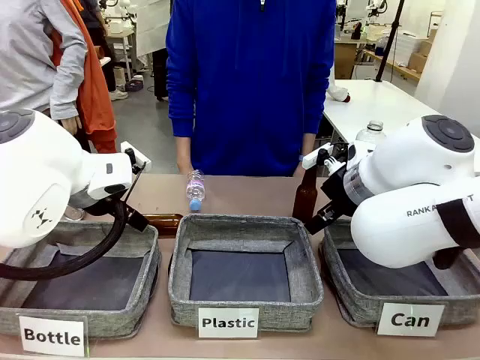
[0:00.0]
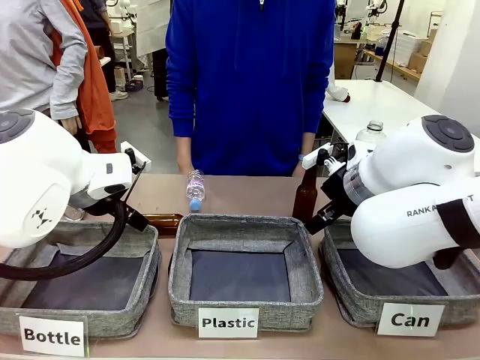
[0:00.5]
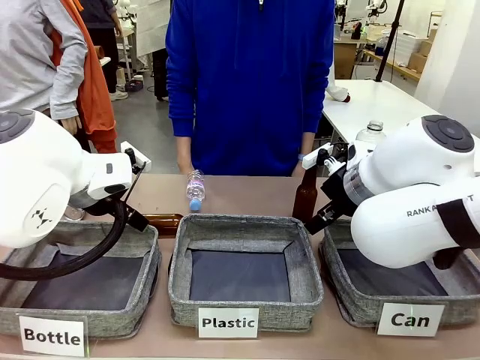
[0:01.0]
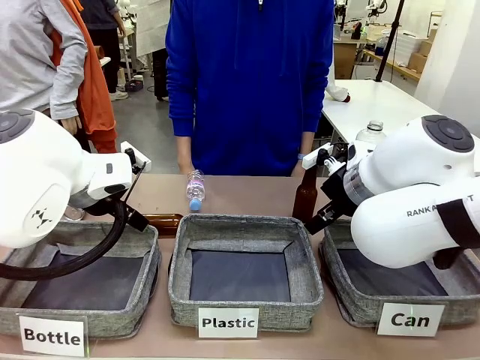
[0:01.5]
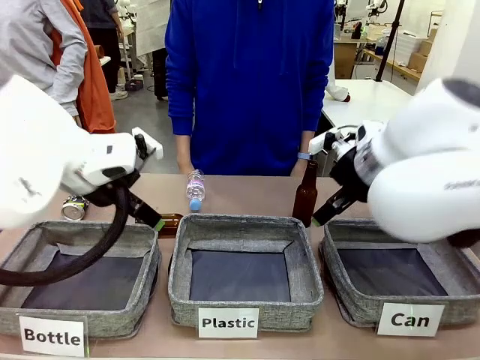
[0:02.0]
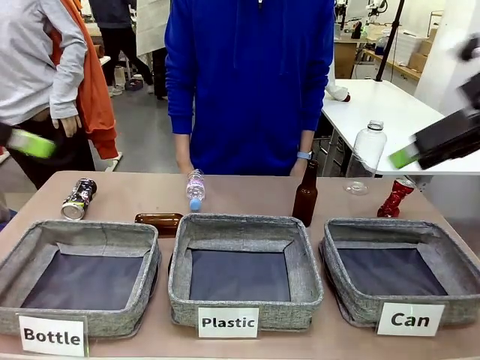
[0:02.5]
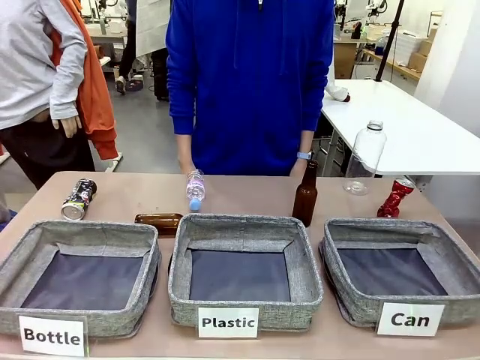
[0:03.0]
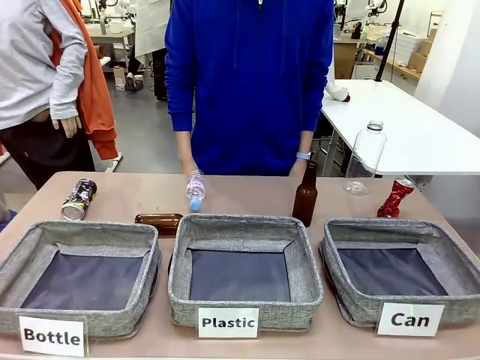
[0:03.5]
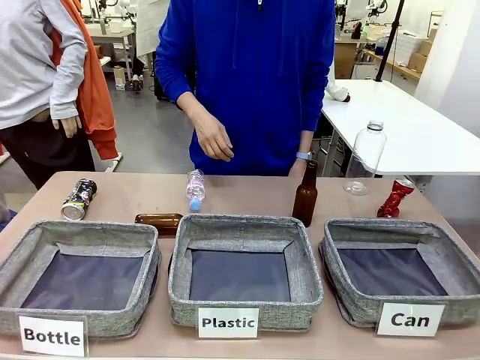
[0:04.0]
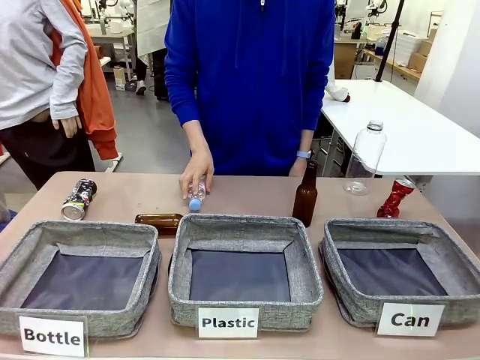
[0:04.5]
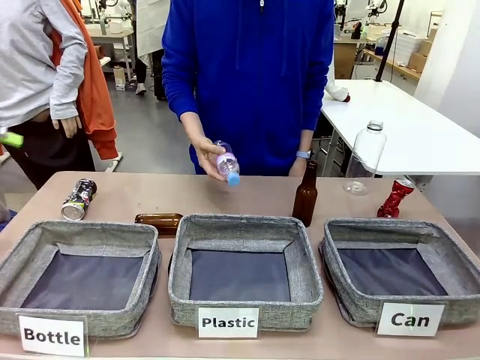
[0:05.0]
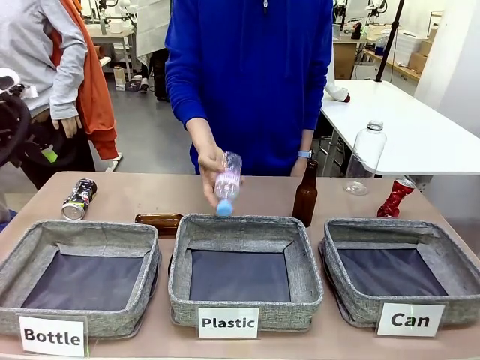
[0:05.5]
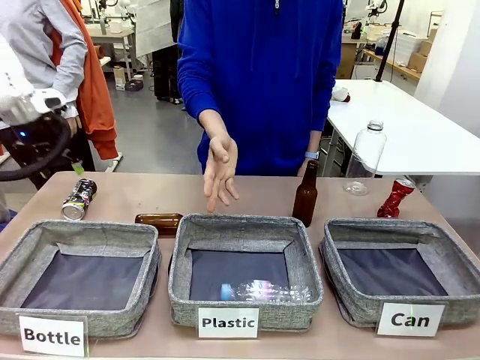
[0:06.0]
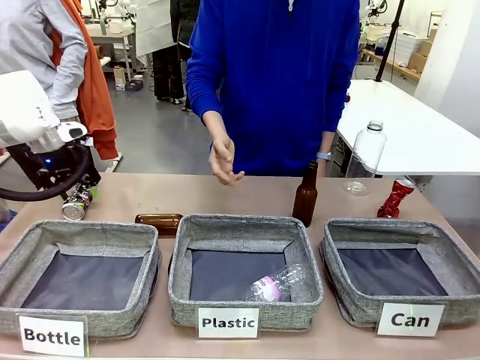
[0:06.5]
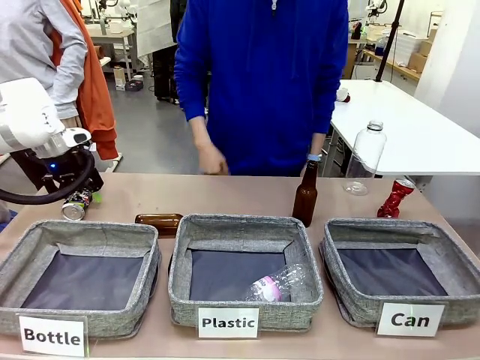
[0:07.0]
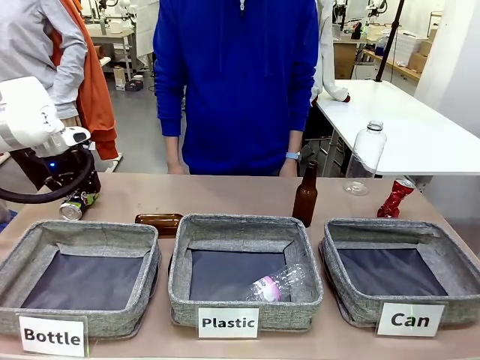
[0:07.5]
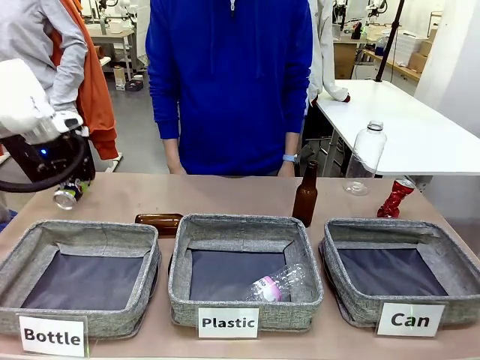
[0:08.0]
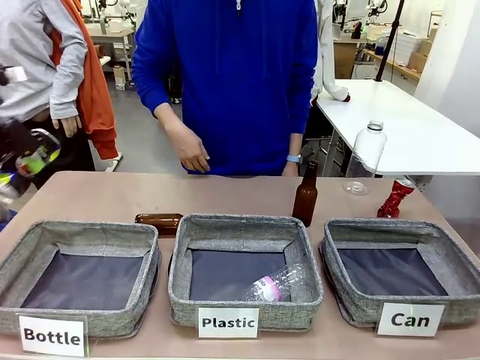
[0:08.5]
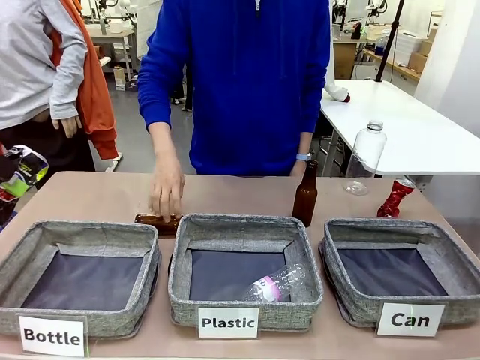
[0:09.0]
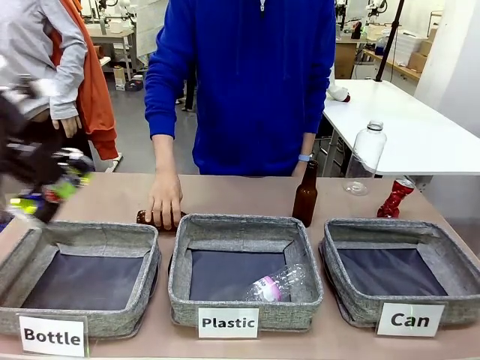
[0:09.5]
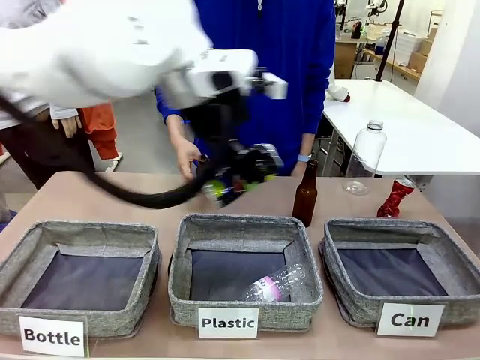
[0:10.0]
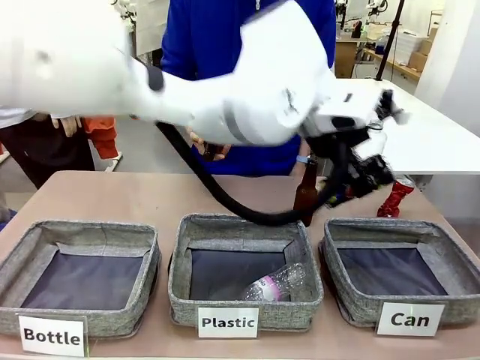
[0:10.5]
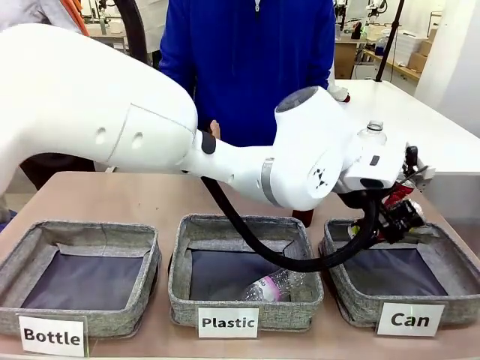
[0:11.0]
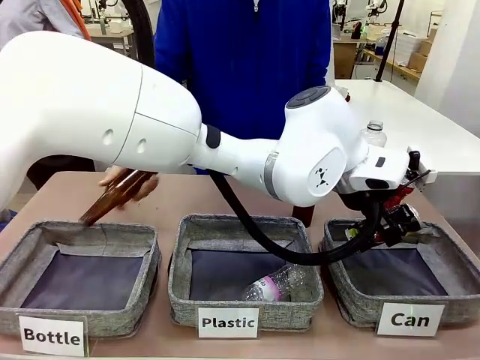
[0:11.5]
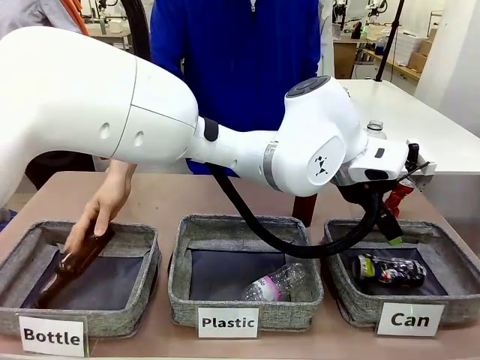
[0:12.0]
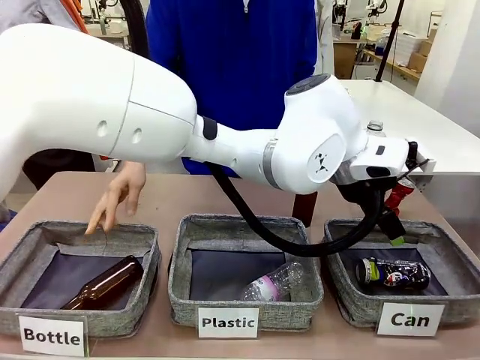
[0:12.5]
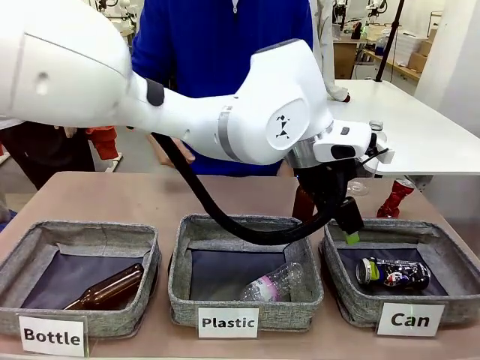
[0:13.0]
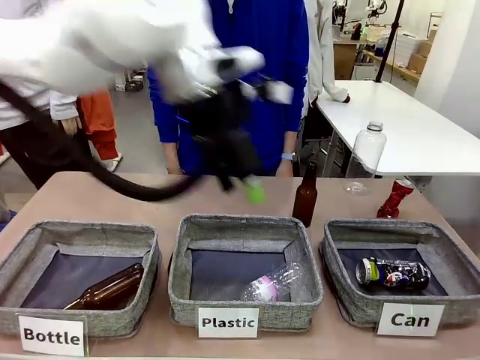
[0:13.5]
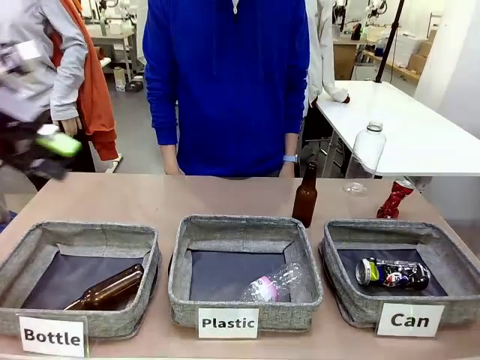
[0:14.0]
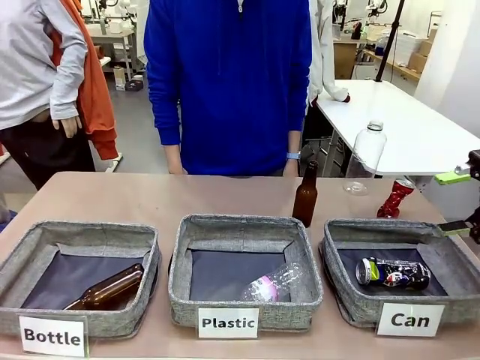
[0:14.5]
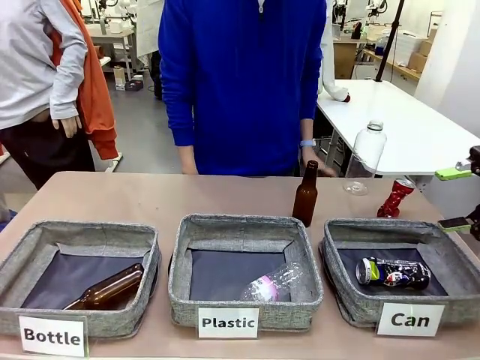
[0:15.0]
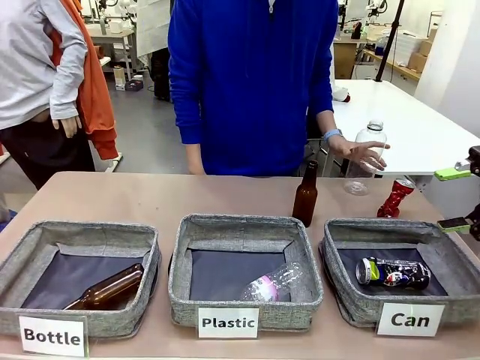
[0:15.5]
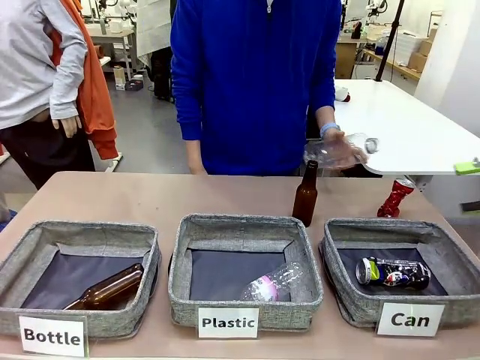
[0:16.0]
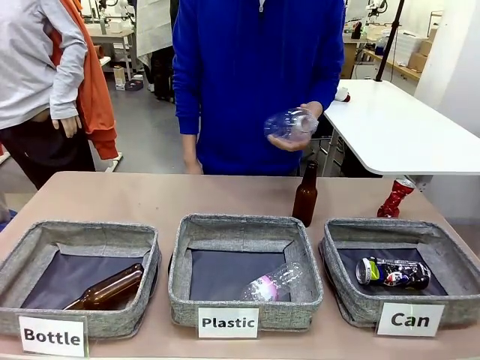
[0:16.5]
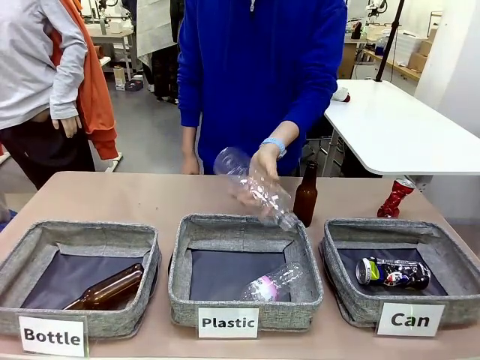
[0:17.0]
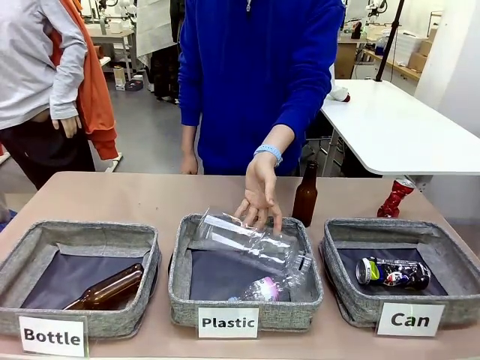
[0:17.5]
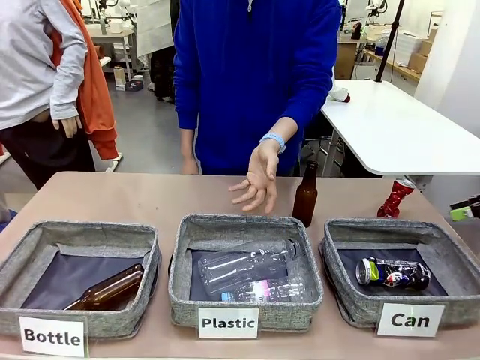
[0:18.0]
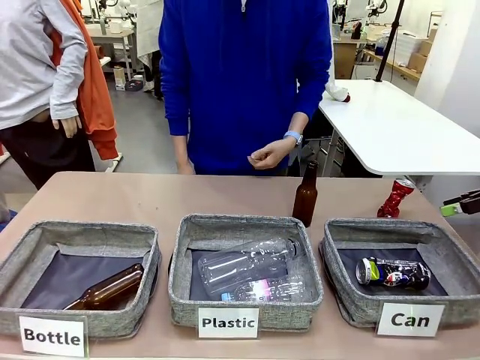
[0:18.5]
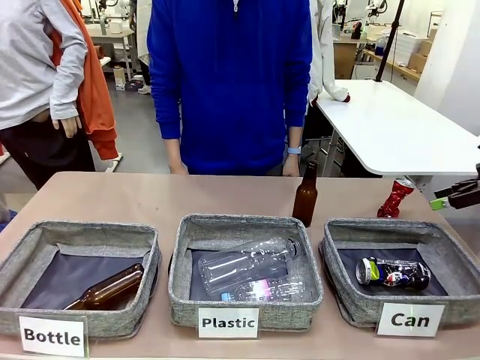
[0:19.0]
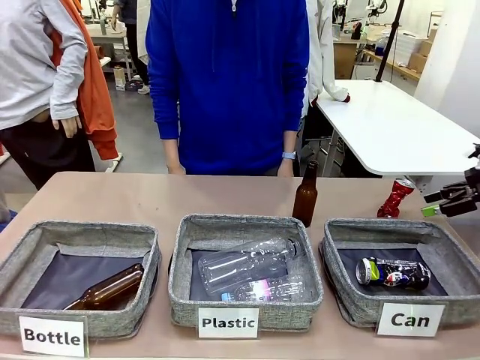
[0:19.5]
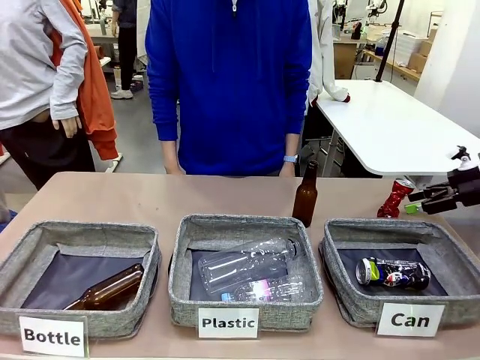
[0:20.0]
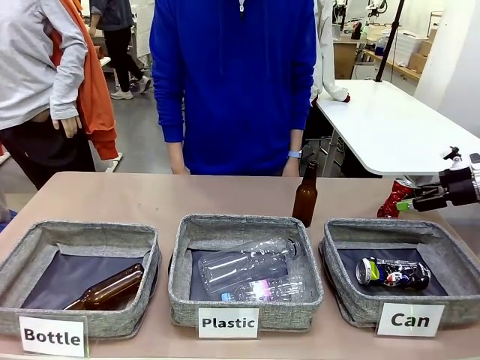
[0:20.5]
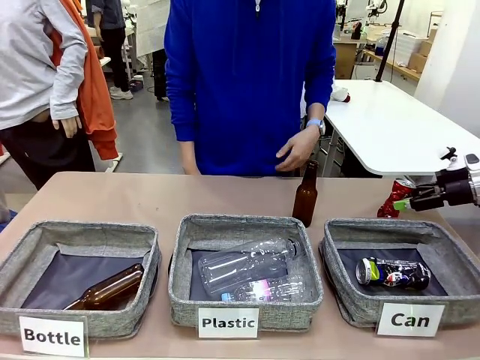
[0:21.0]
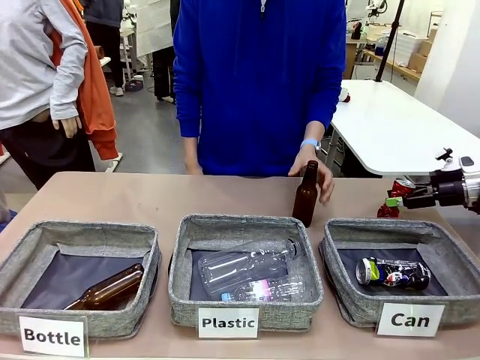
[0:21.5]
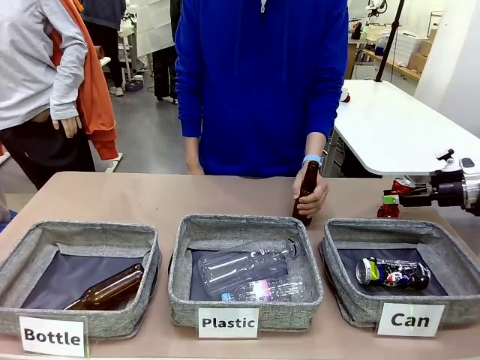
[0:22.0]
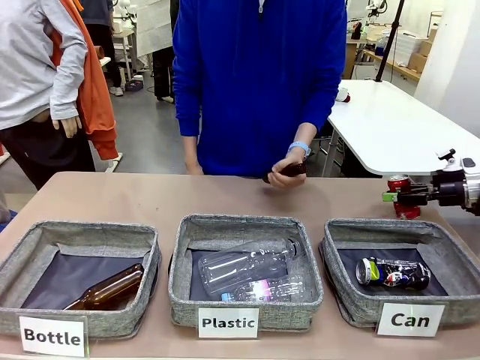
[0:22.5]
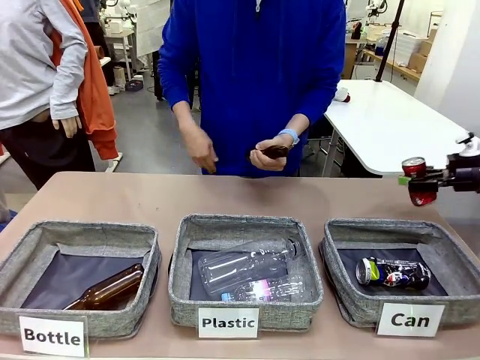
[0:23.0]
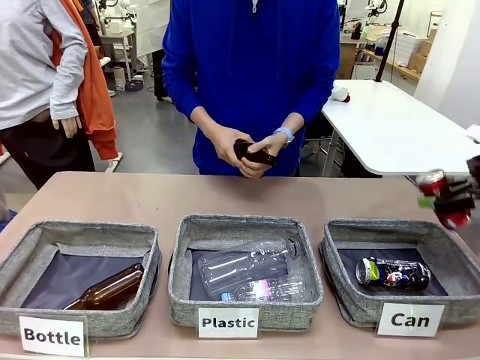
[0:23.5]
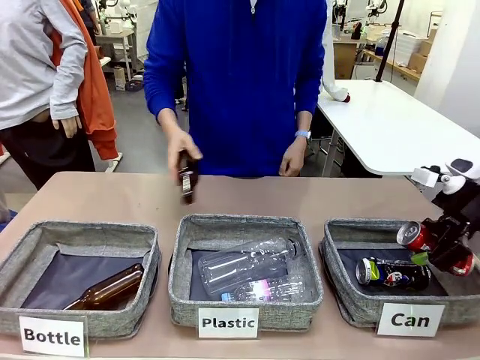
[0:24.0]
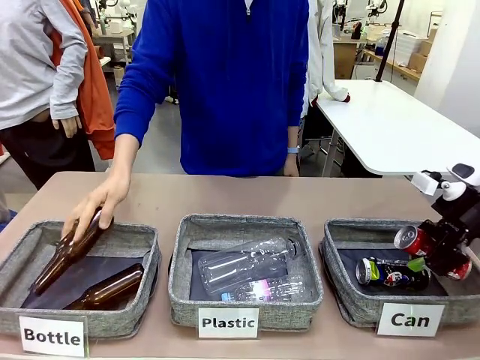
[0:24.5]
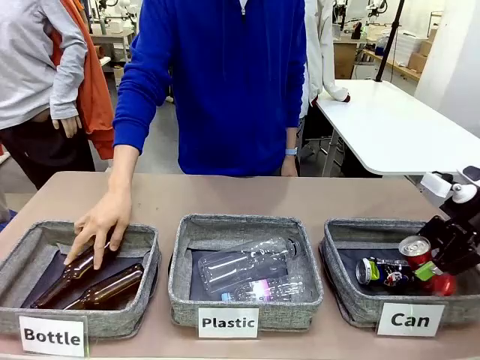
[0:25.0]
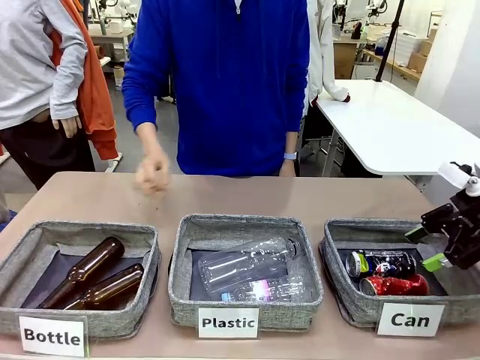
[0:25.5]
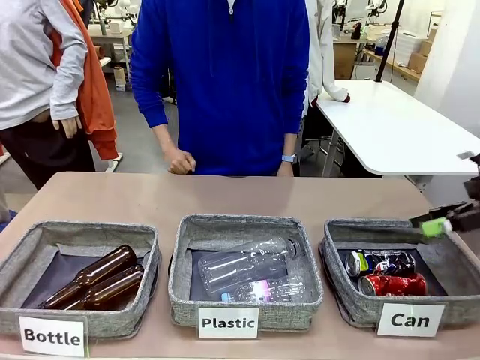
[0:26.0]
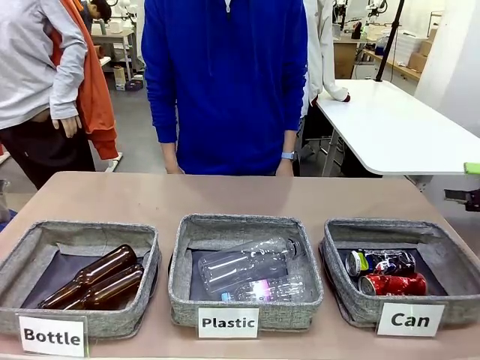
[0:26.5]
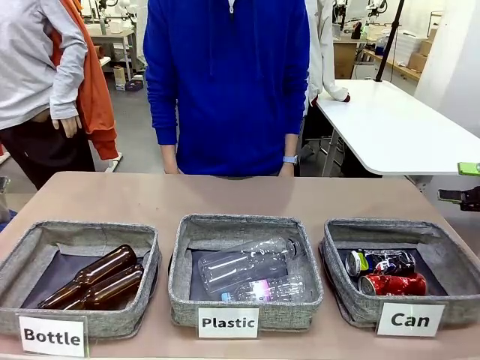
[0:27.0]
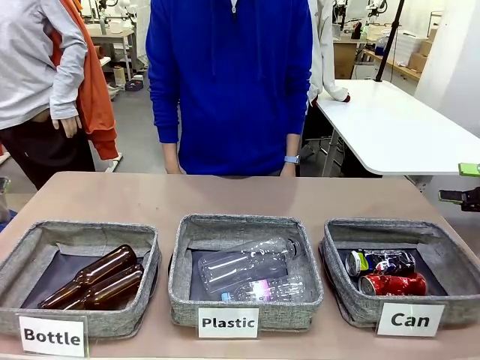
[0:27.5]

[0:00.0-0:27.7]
Task: Sort the can waste into the basket.
Robot: Pick up the can waste from the table and place it in the right Fabric basket.
Person: The human picks up one piece of trash that is not a can and places the trash into the appropriate organizing basket.
